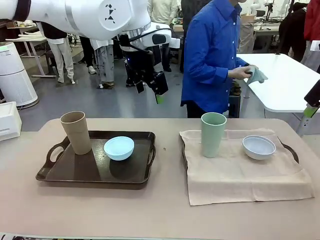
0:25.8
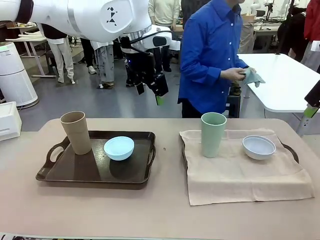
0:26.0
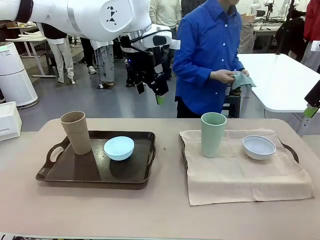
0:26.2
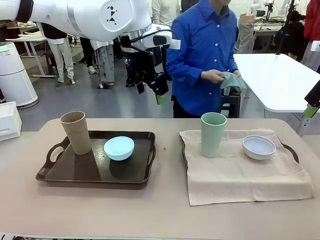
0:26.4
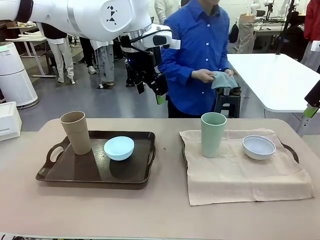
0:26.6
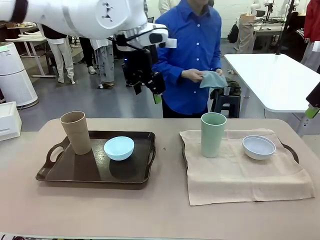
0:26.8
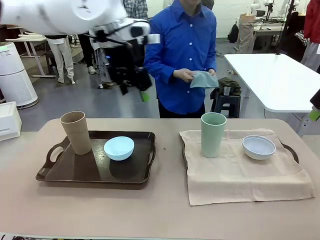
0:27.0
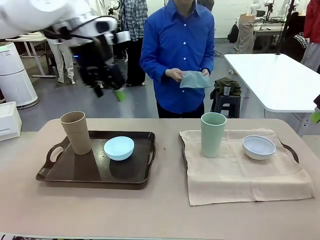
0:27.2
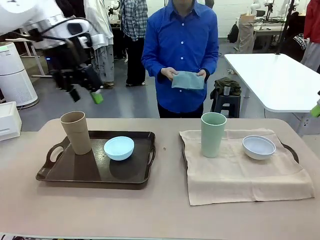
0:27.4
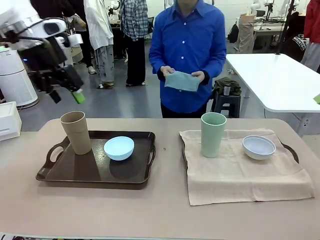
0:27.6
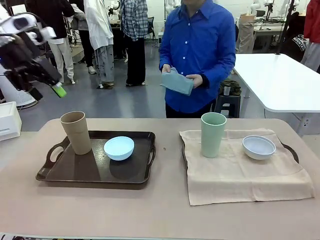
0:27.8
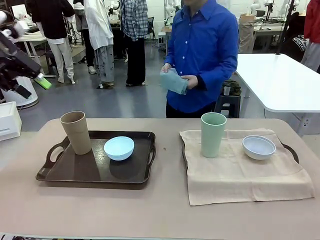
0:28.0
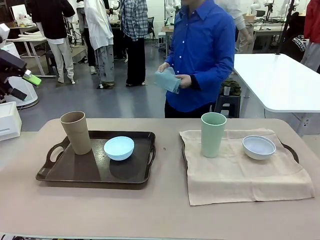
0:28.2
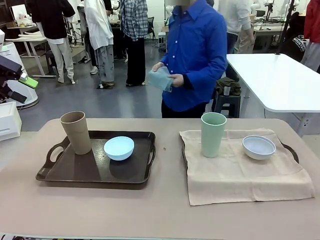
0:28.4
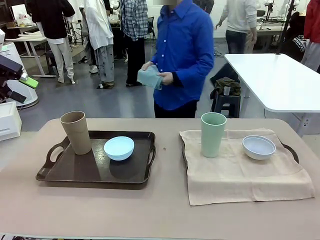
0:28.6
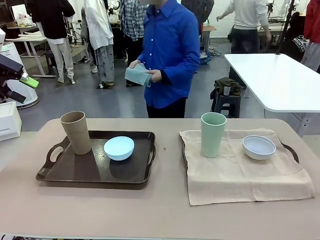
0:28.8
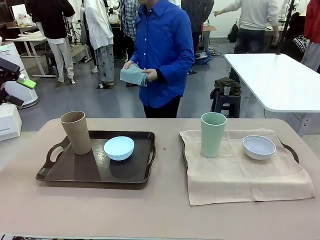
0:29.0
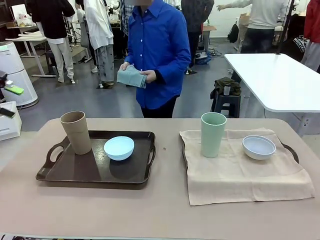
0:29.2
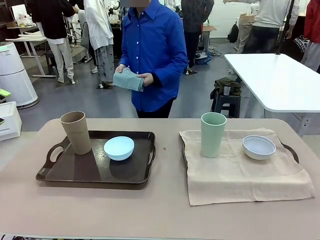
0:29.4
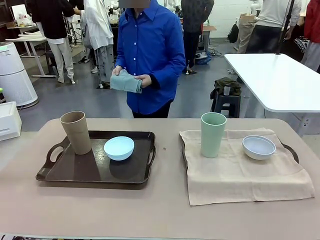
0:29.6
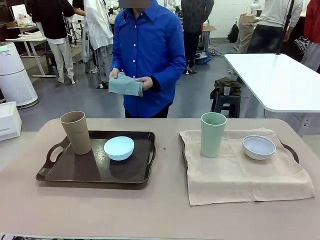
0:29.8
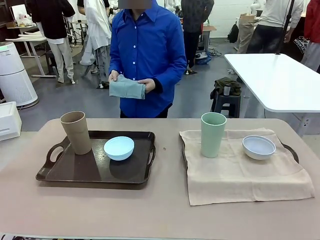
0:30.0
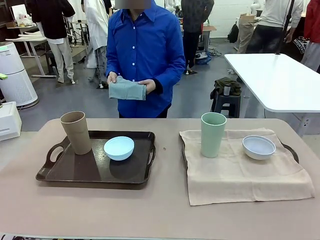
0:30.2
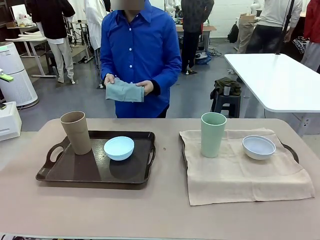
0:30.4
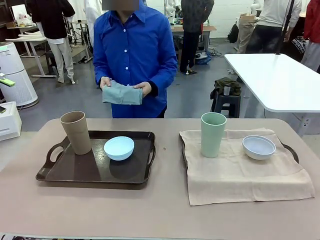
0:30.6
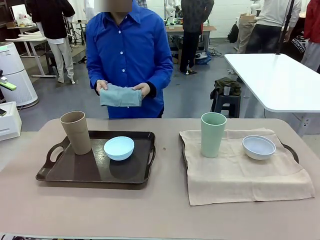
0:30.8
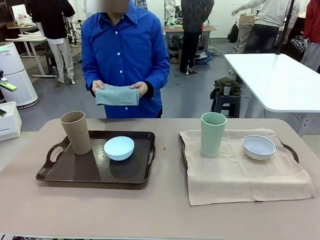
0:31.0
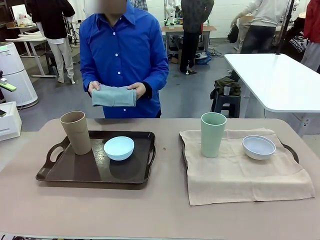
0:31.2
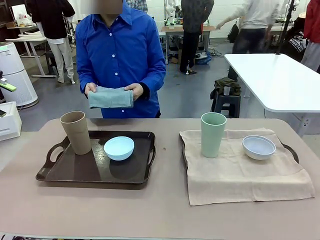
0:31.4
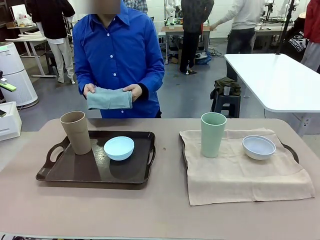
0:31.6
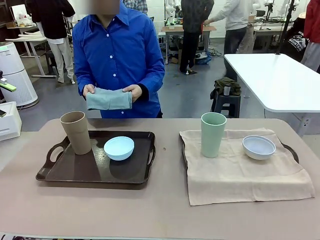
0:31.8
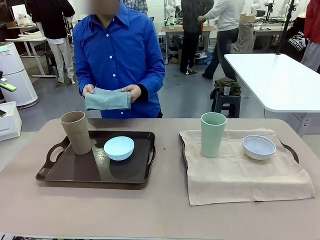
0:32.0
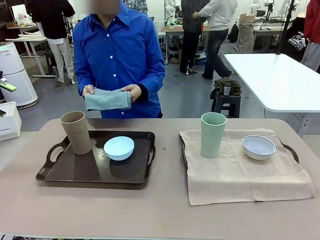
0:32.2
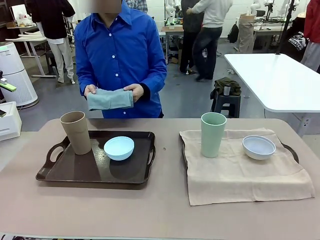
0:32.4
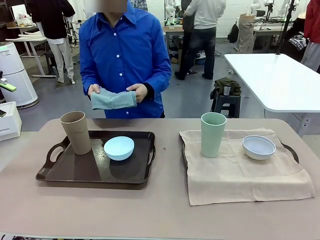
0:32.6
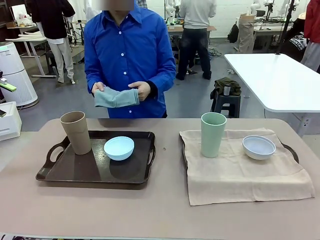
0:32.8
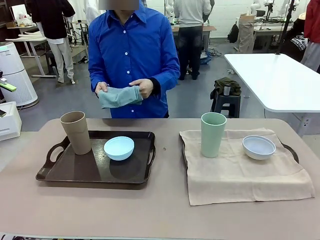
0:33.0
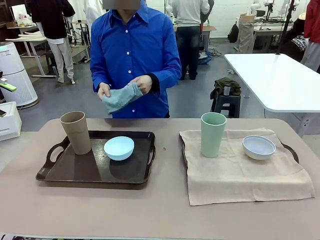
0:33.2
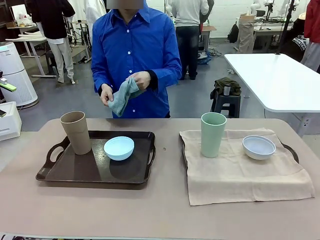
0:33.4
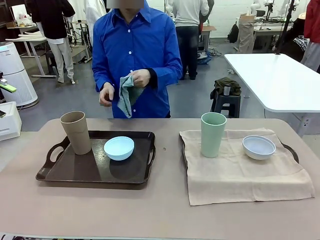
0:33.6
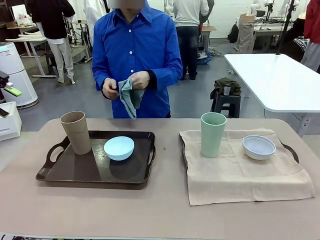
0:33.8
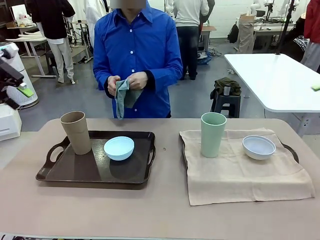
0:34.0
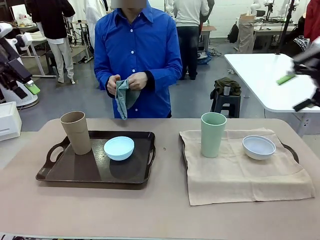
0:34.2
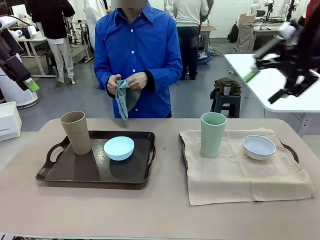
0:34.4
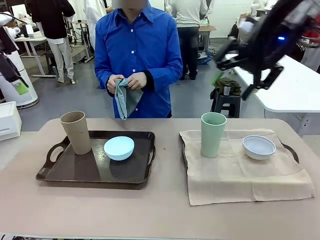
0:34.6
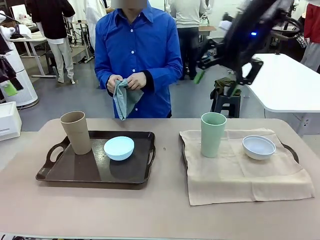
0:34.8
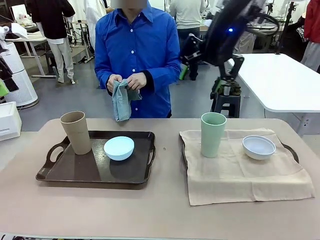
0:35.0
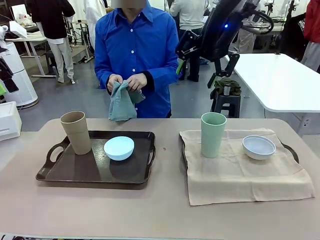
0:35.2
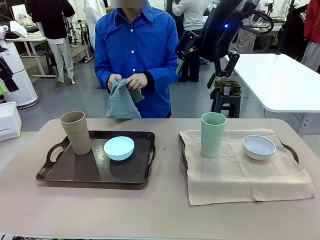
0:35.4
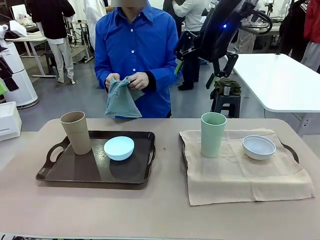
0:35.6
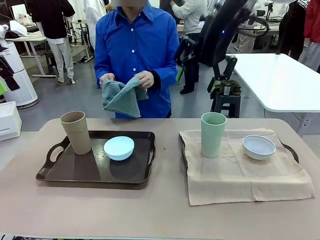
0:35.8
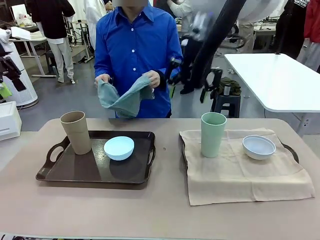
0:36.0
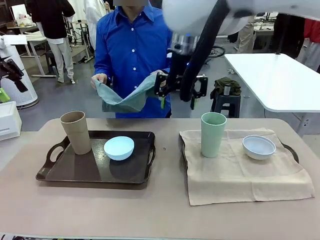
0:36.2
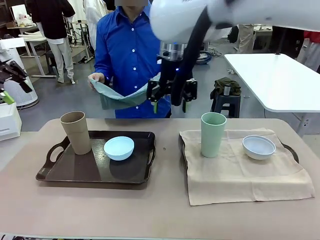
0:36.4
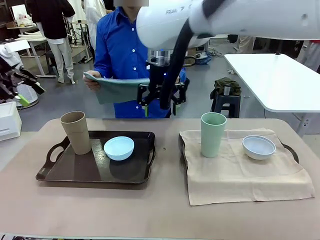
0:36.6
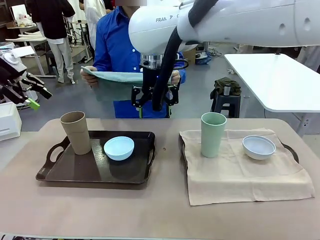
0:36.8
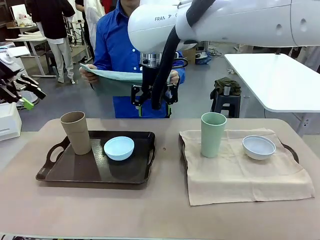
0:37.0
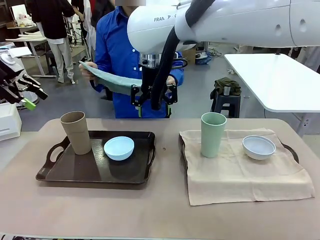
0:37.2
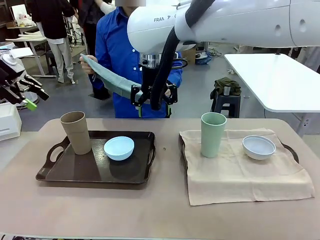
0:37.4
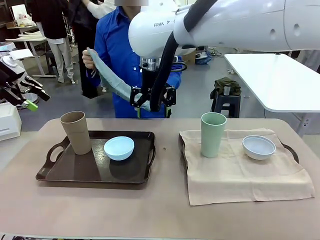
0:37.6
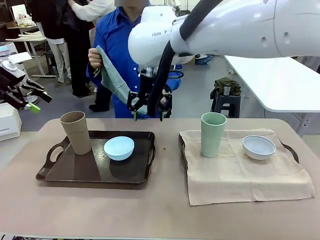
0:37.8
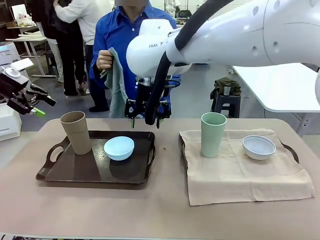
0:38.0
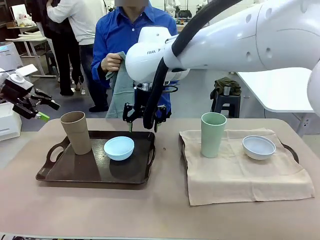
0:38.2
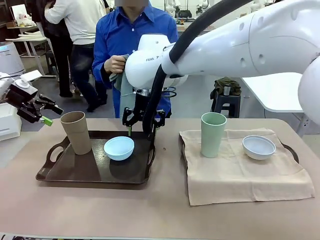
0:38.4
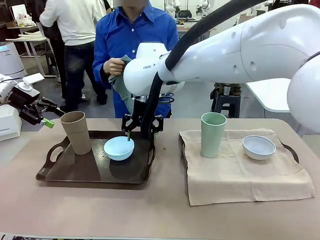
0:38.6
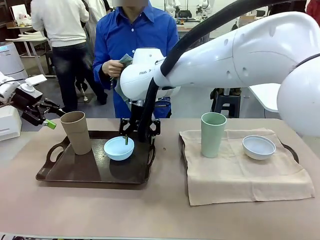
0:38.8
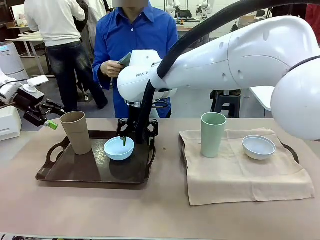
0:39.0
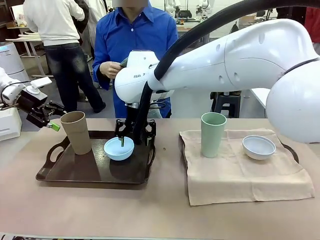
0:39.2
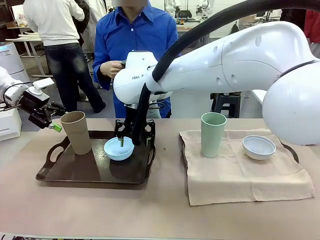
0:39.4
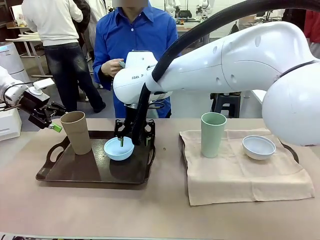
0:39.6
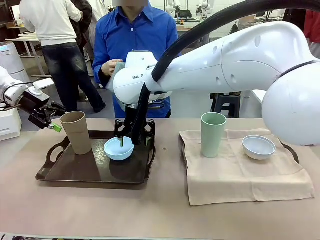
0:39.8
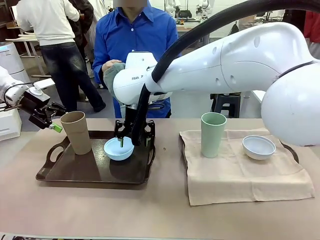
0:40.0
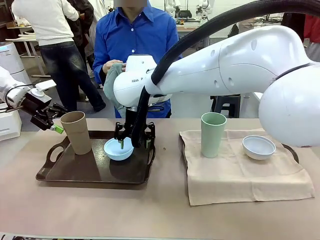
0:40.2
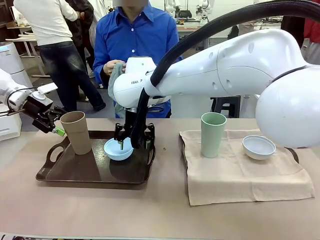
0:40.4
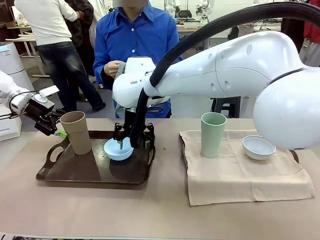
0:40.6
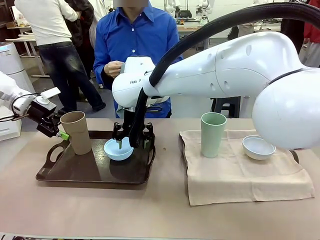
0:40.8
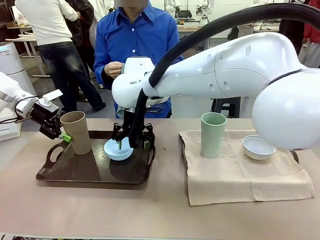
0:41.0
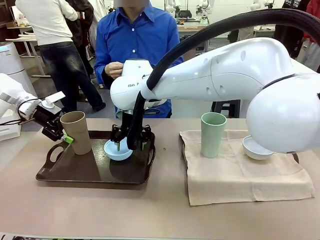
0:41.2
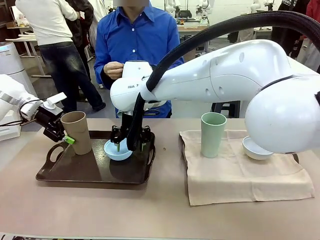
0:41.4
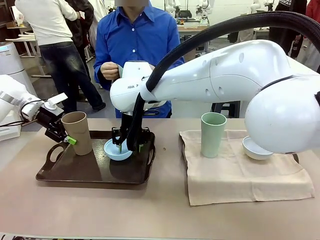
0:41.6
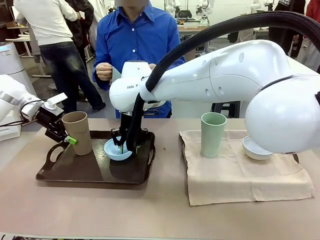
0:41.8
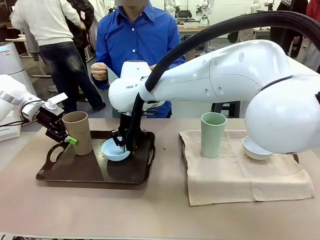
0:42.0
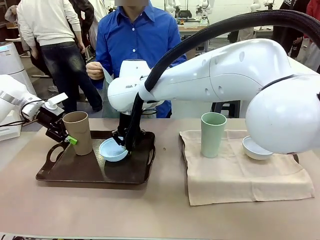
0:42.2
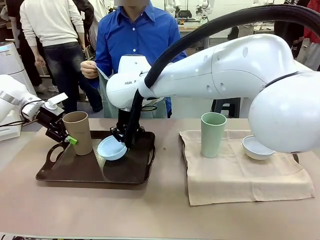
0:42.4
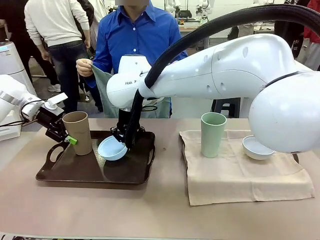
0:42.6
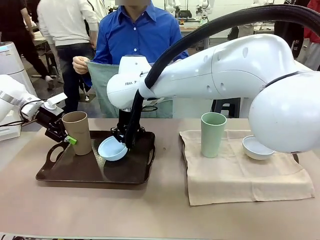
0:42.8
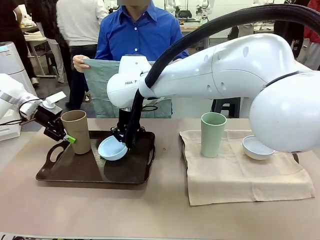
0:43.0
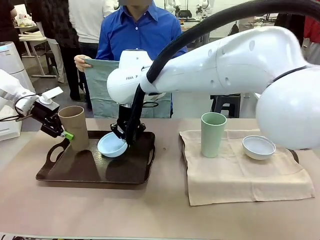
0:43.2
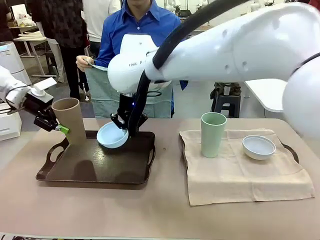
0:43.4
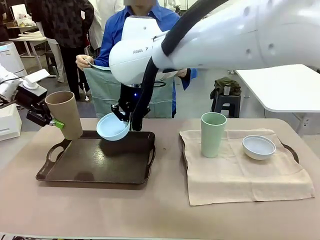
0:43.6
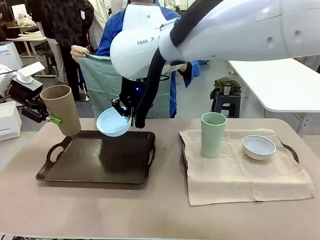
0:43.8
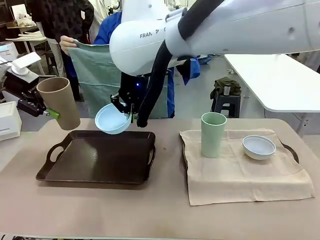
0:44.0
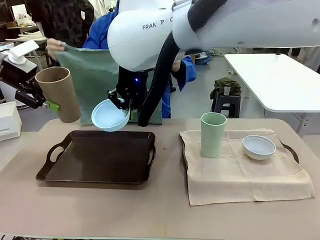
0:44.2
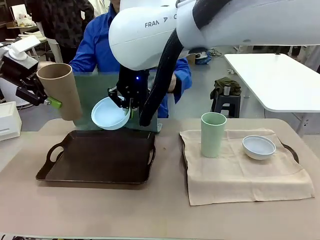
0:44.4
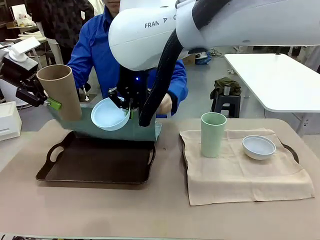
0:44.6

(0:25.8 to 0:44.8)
Robot: Pick up the Picnic Bowl and Reusable plastic cup from the Handle tray in front of the human's position and hold them in the air.
Person: The human returns to the human table to pick up another napkin and walks to the robot table to stand in front of the tray without a napkin.
